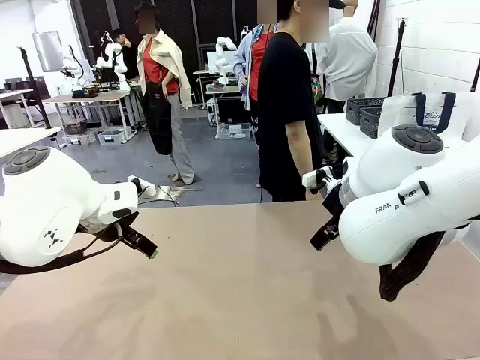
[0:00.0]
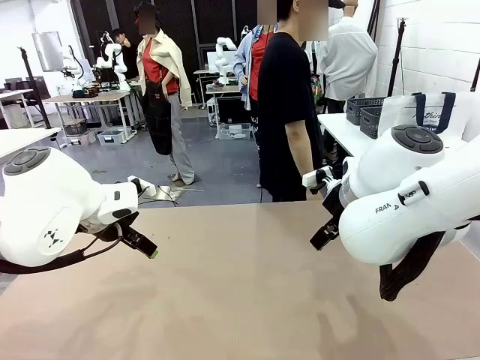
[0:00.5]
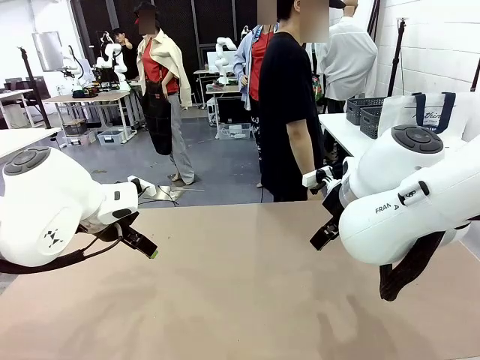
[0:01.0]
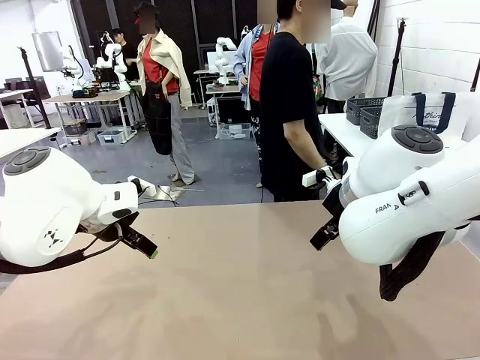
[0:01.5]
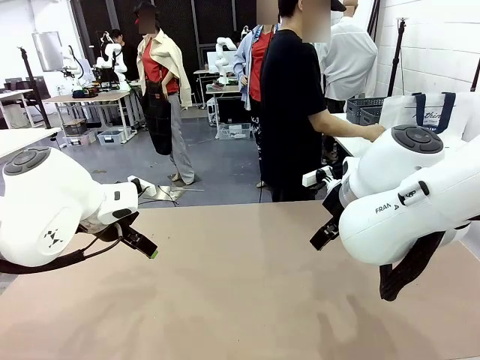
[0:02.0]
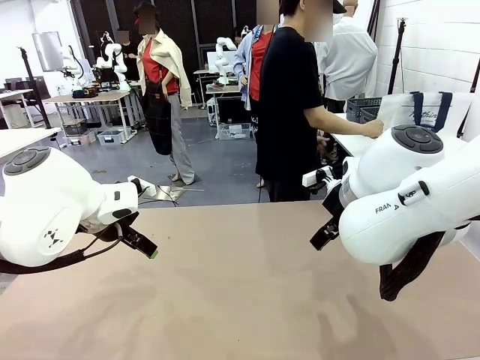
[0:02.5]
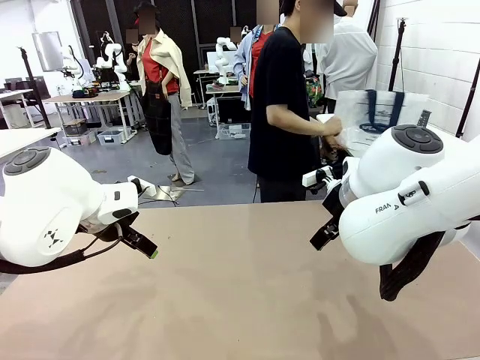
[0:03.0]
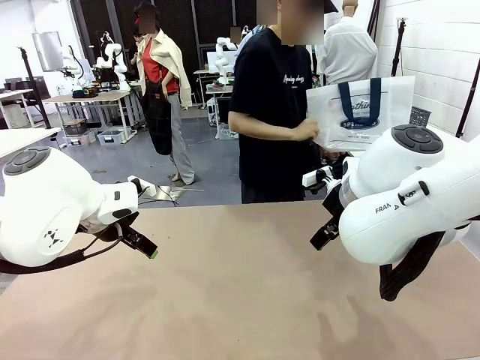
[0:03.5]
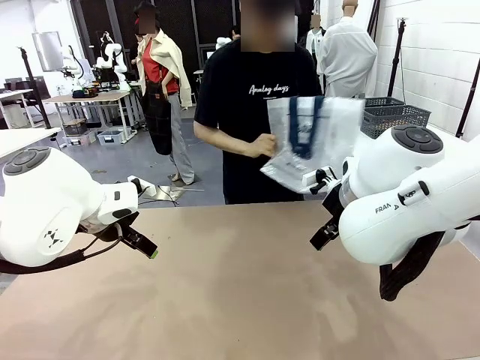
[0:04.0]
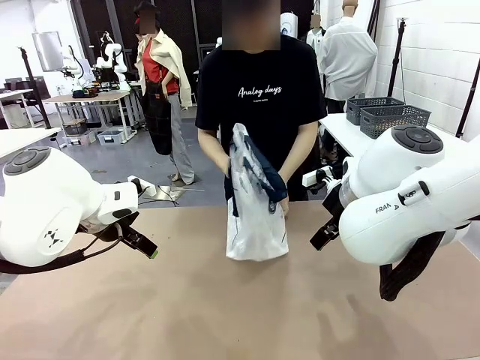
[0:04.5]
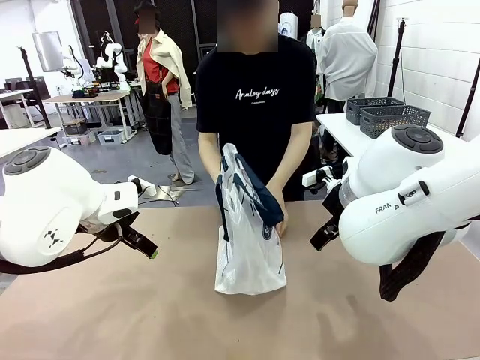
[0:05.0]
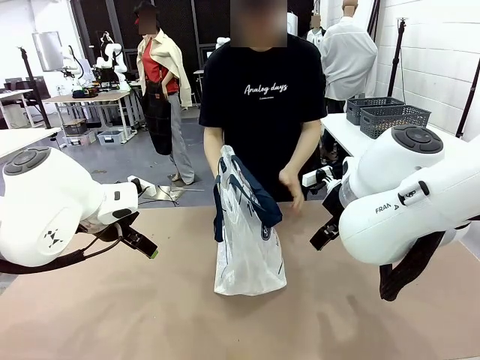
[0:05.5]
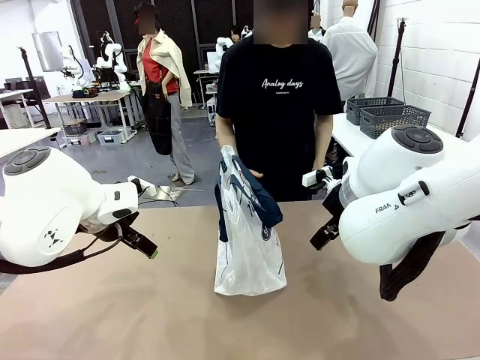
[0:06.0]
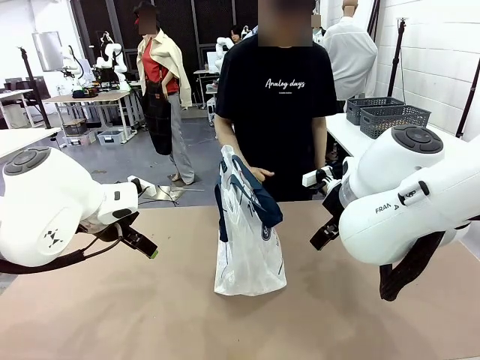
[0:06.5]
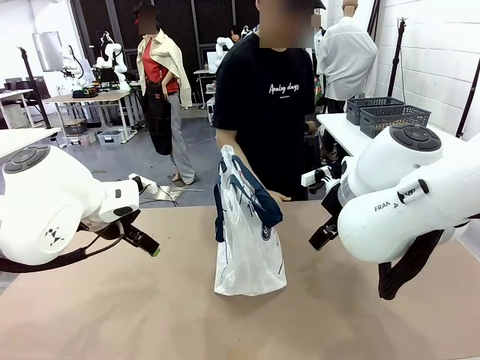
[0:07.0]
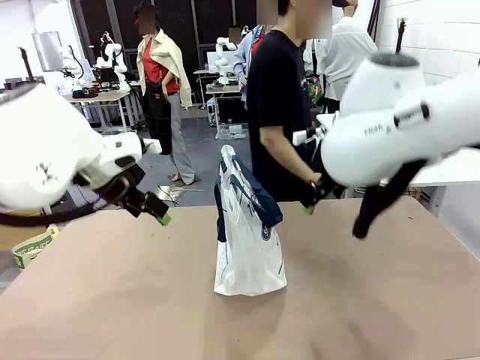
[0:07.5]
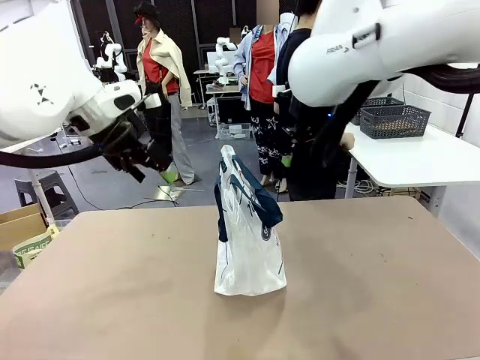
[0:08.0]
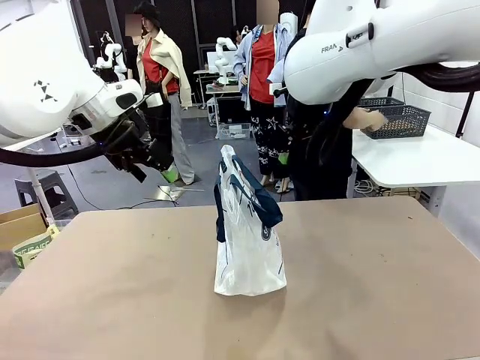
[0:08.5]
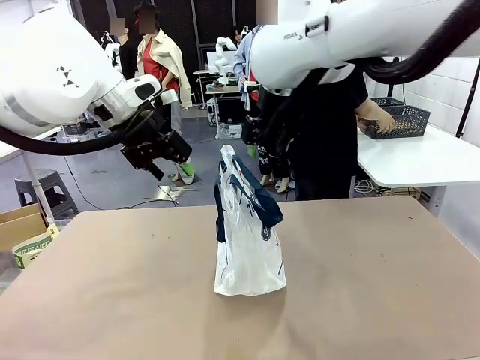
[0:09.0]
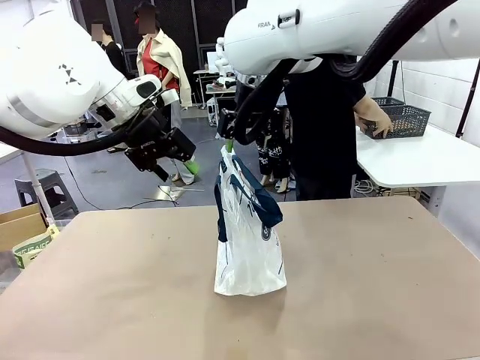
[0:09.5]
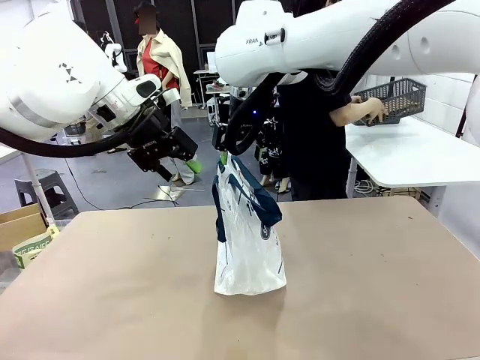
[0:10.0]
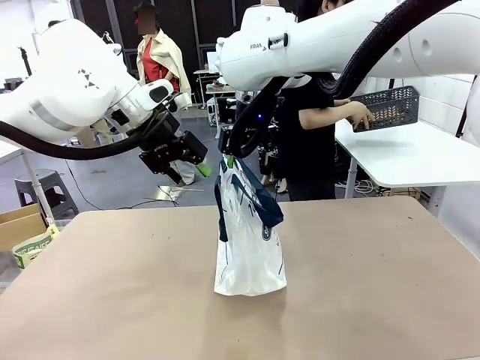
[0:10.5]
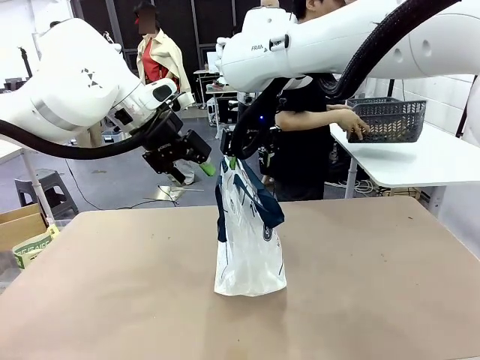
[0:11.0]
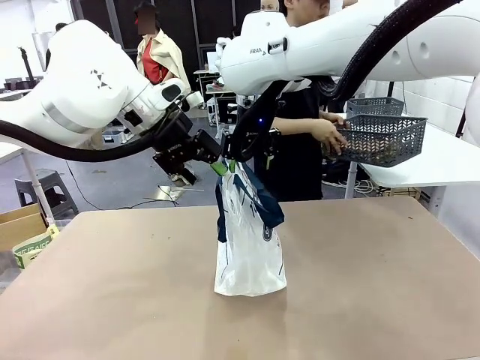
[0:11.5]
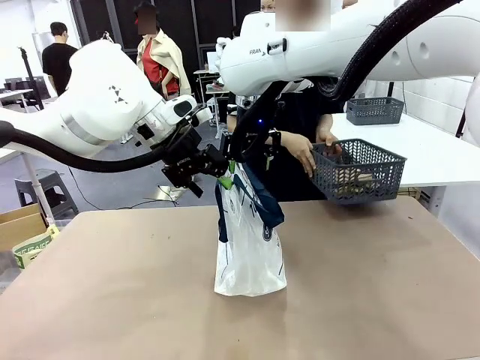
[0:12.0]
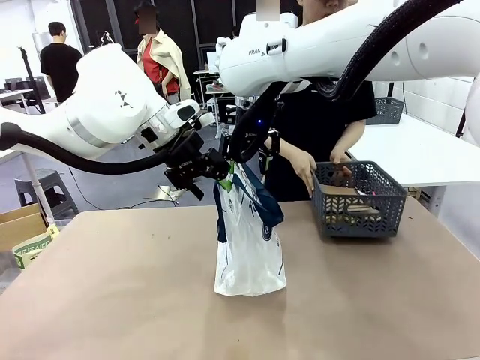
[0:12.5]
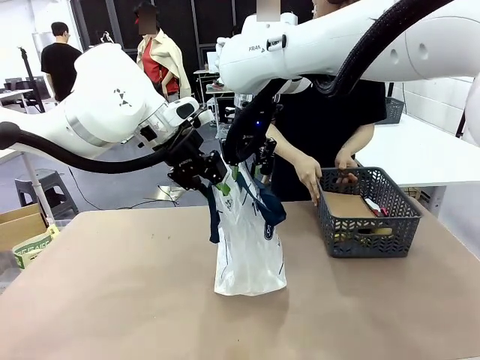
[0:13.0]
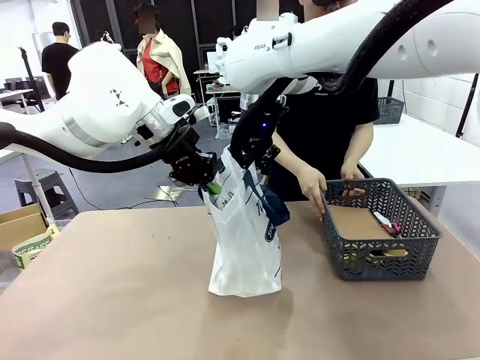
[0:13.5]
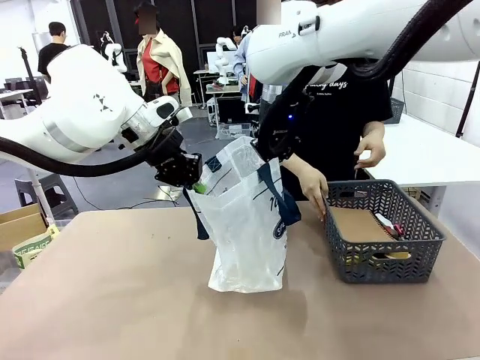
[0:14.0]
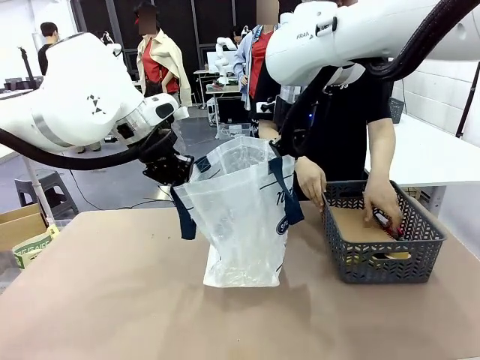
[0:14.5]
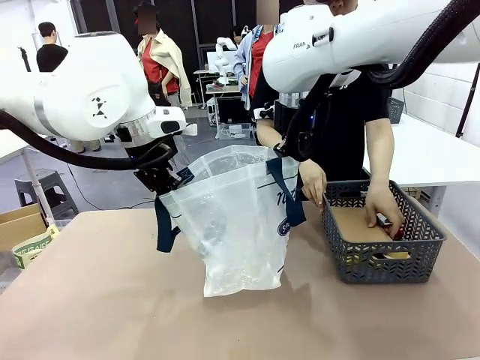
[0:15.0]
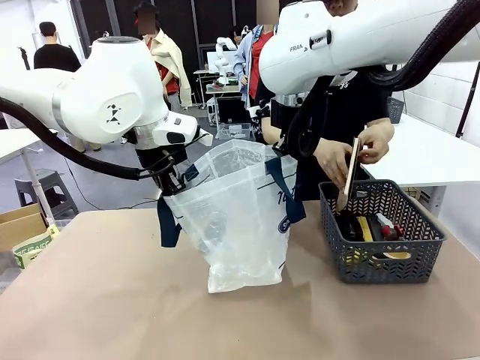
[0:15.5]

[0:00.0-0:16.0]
Task: Transfer purchased items from the store into the shopping bag.
Robot: Open the Reusable shopping bag in the center of the table.
Person: Pick up the shopping bag and place it in the middle of the robot table.
